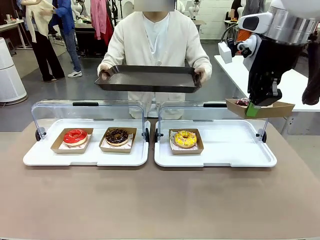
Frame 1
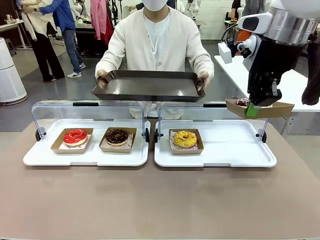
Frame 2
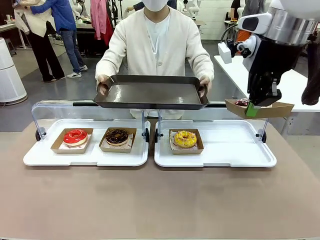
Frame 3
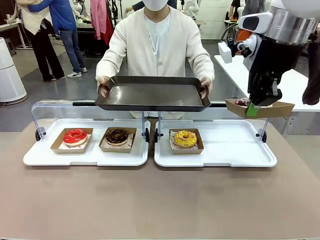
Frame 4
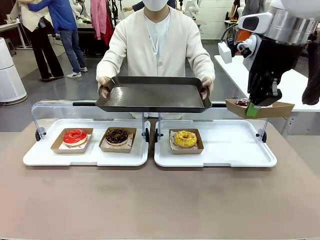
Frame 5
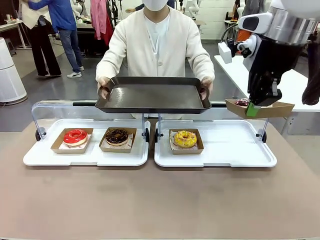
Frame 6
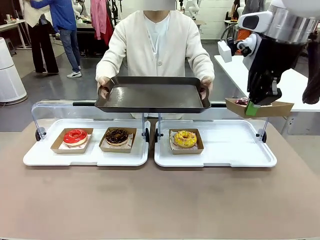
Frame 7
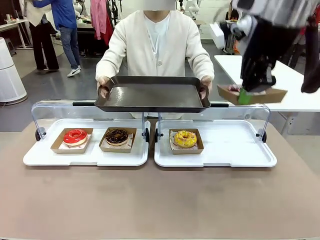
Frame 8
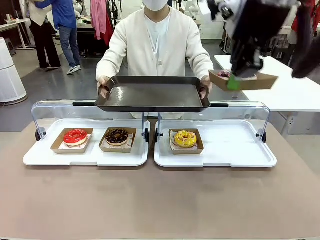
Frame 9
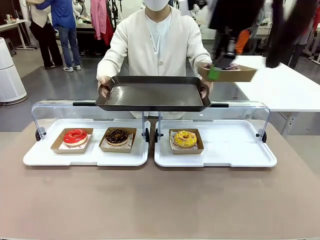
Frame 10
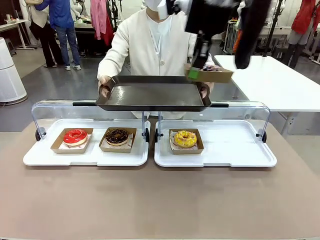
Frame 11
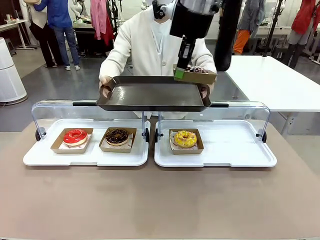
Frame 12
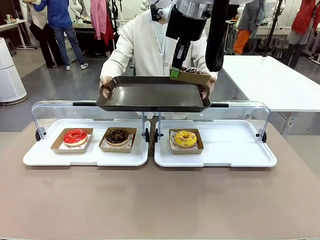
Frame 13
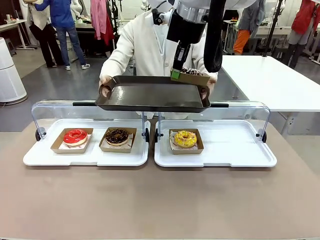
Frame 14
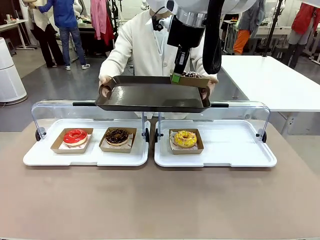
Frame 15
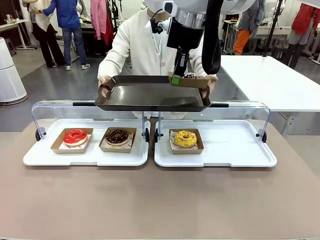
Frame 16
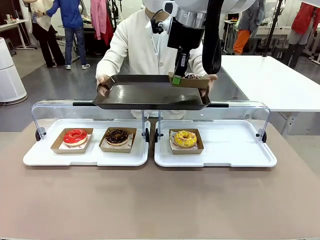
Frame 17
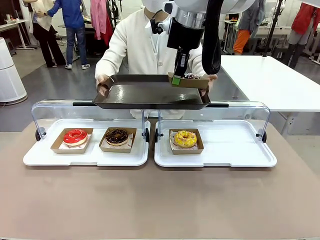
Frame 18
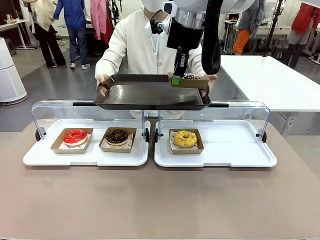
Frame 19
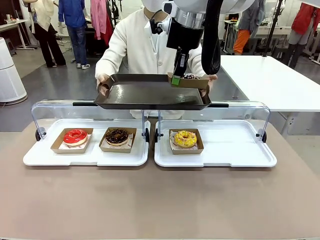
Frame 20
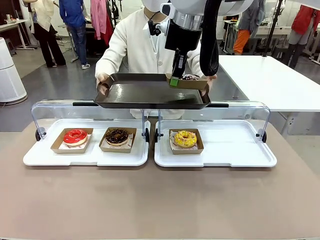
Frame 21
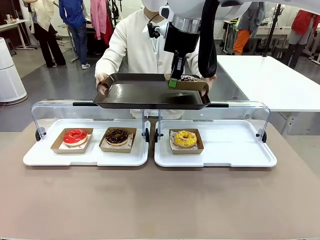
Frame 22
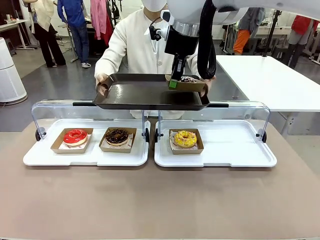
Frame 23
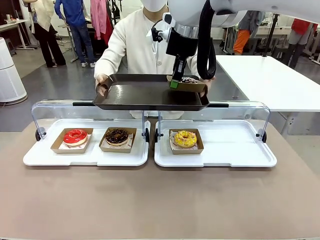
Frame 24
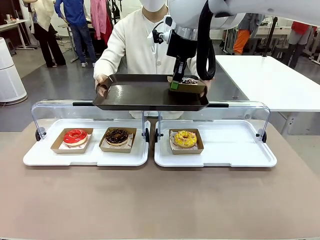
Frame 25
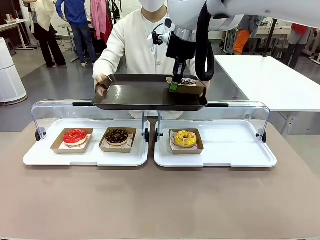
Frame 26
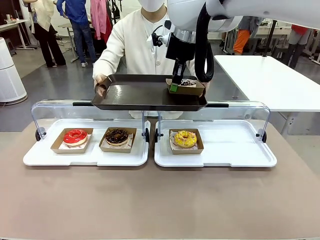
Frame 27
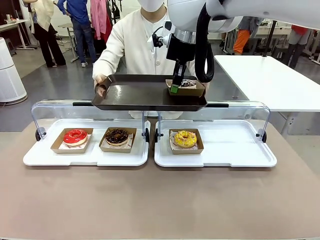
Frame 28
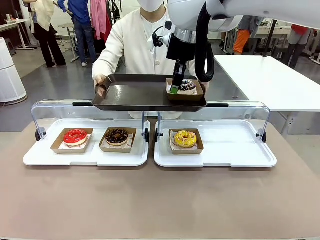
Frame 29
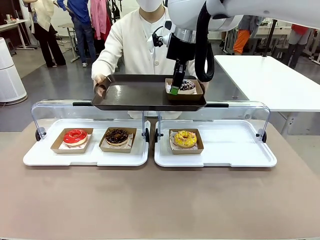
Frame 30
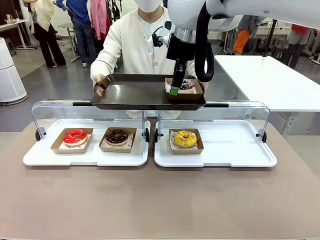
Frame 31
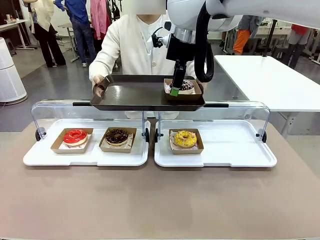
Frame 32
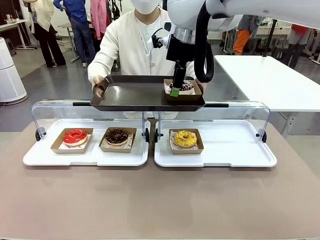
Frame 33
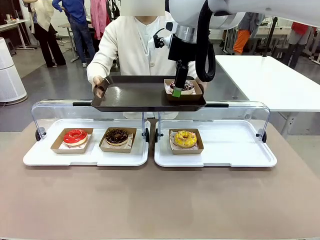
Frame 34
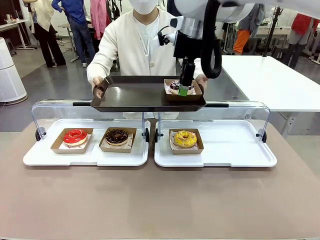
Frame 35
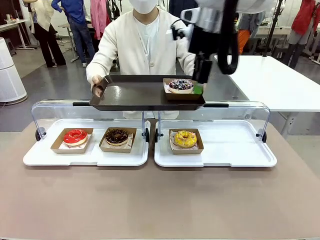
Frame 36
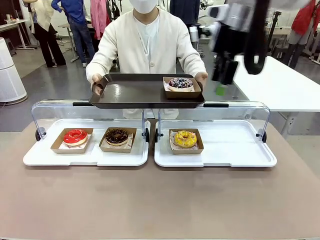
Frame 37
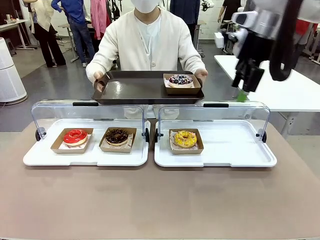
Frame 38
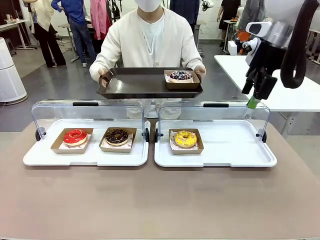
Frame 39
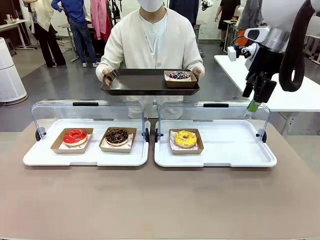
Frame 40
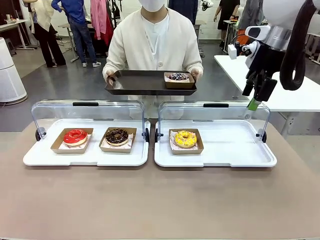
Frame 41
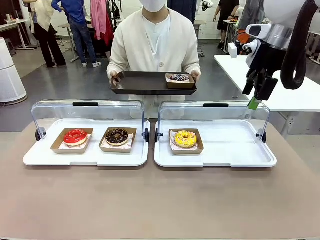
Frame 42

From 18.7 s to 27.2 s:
Task: Provide the desired donut to the person.
Robot: Place the picked Paper togo box onto the Handle tray extended by the person.

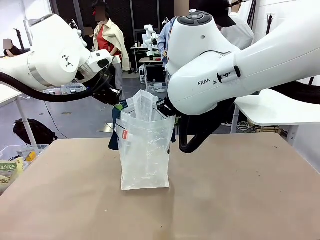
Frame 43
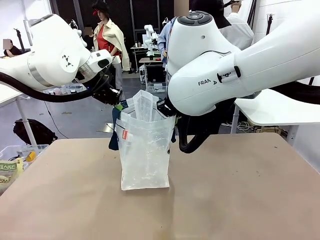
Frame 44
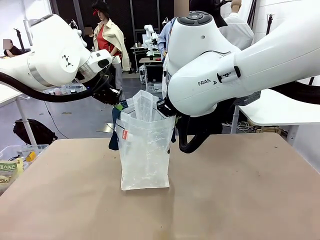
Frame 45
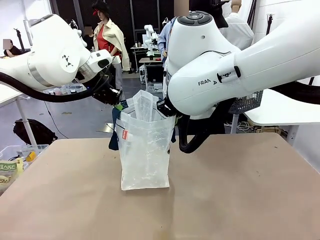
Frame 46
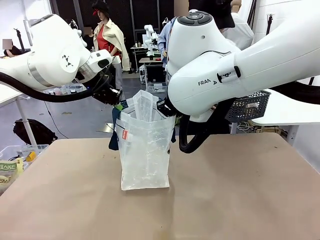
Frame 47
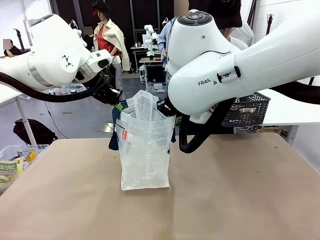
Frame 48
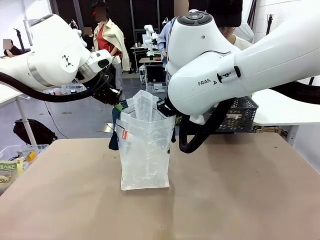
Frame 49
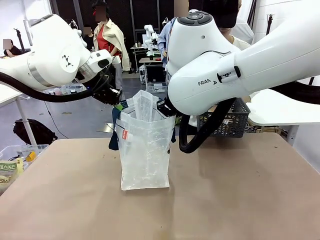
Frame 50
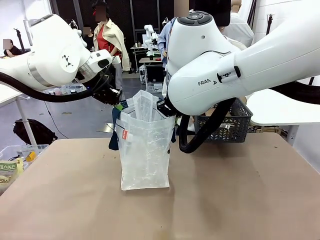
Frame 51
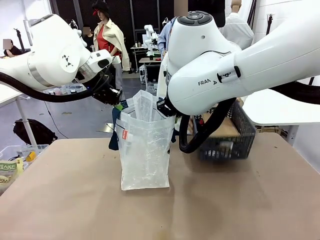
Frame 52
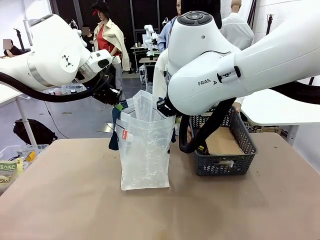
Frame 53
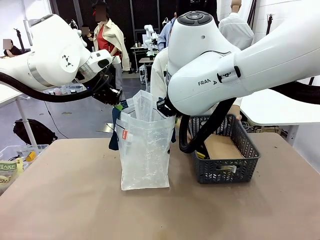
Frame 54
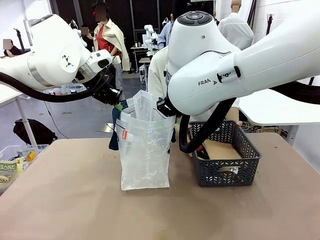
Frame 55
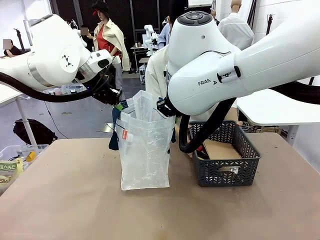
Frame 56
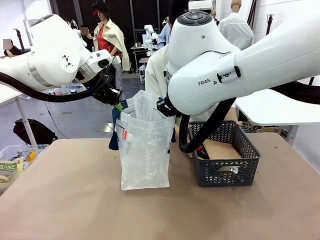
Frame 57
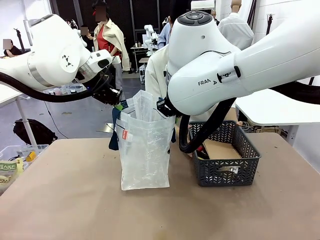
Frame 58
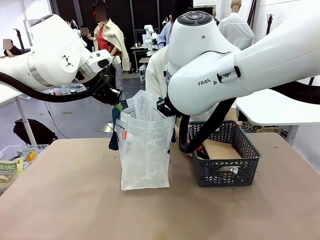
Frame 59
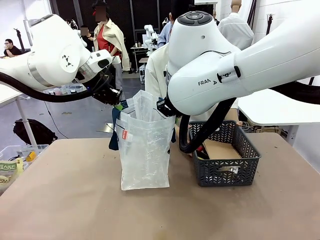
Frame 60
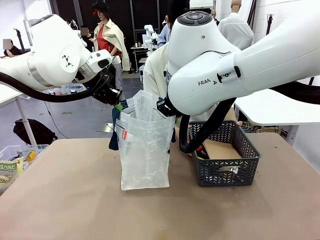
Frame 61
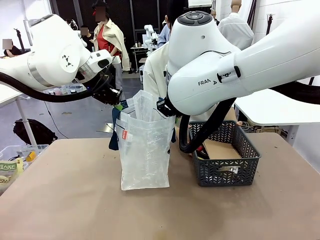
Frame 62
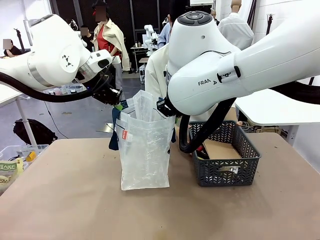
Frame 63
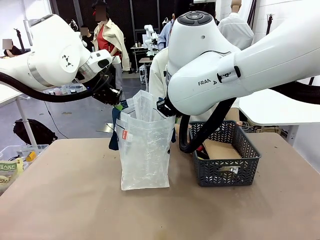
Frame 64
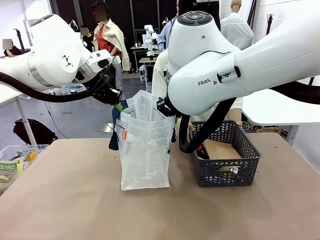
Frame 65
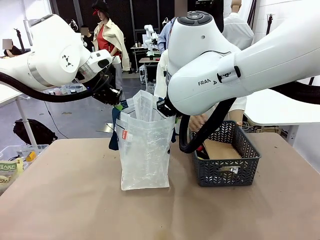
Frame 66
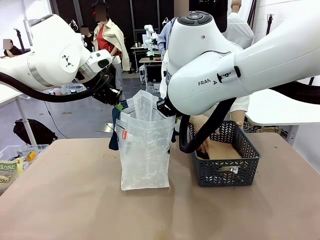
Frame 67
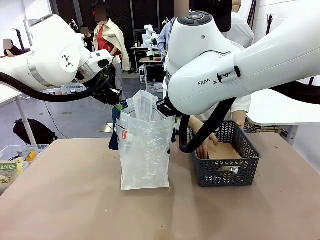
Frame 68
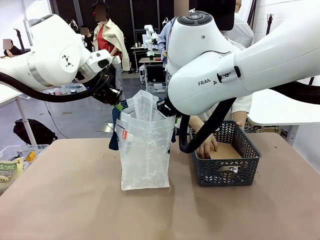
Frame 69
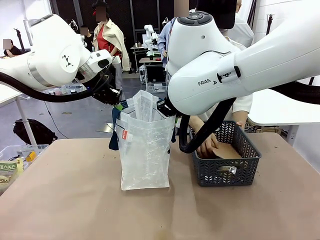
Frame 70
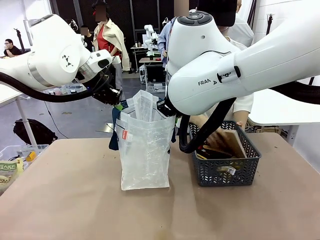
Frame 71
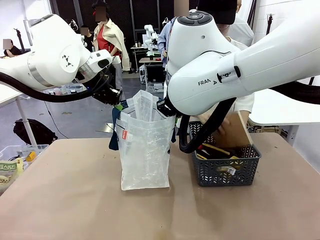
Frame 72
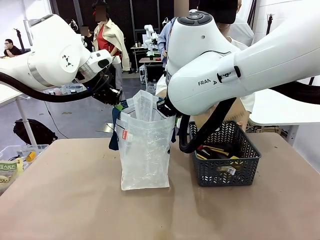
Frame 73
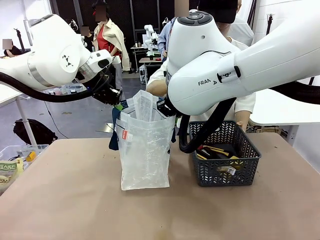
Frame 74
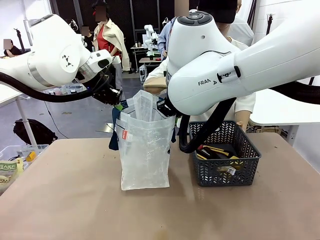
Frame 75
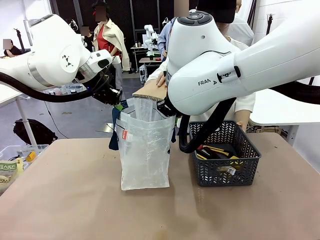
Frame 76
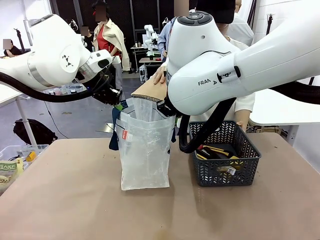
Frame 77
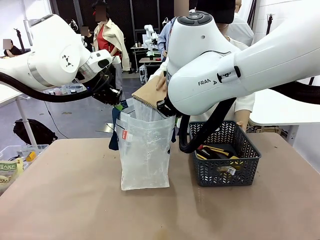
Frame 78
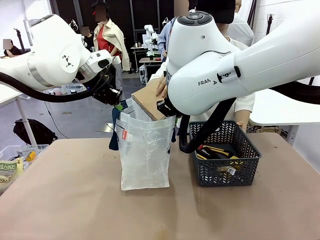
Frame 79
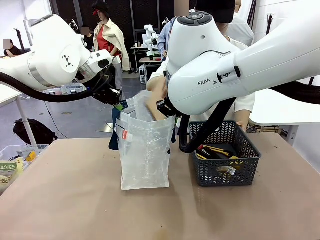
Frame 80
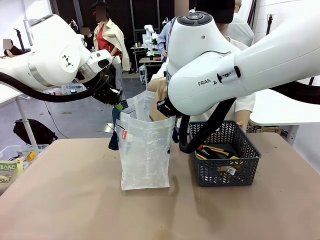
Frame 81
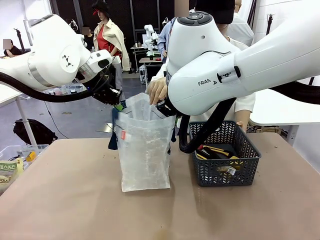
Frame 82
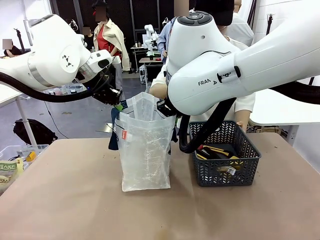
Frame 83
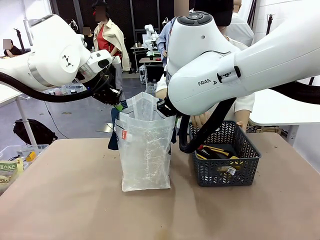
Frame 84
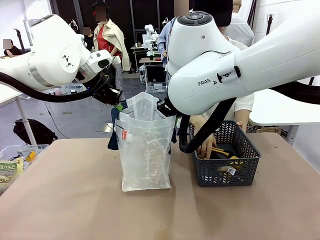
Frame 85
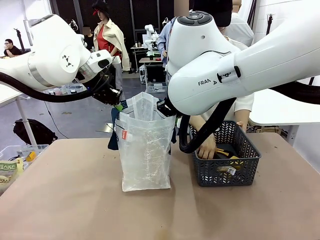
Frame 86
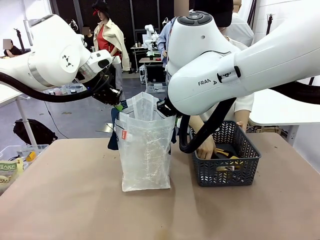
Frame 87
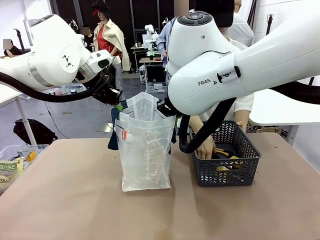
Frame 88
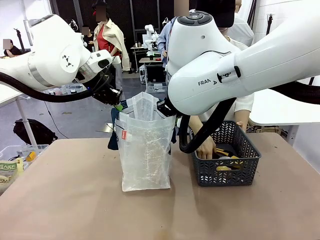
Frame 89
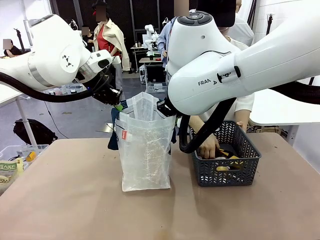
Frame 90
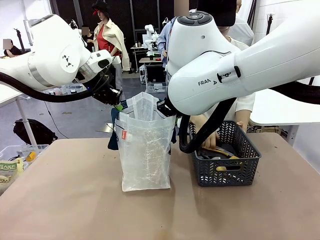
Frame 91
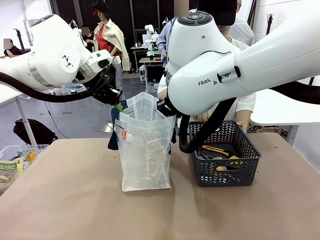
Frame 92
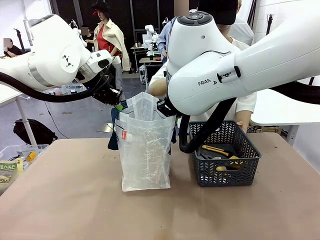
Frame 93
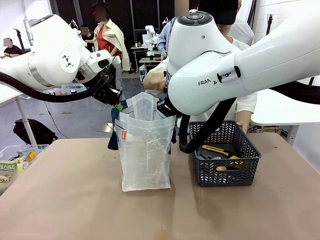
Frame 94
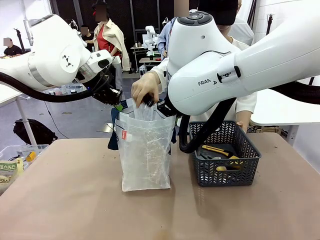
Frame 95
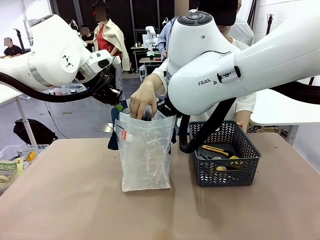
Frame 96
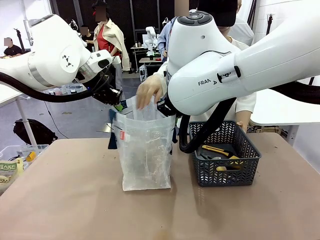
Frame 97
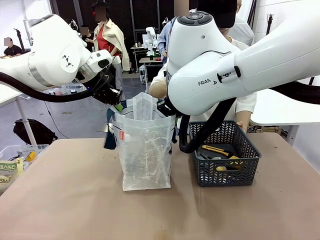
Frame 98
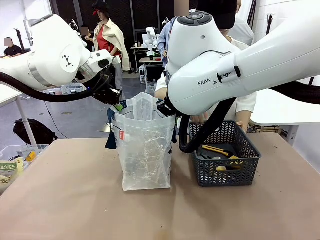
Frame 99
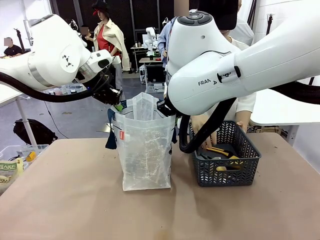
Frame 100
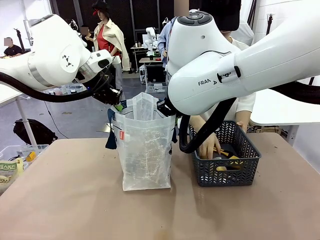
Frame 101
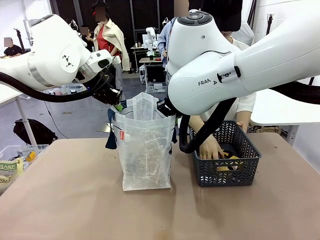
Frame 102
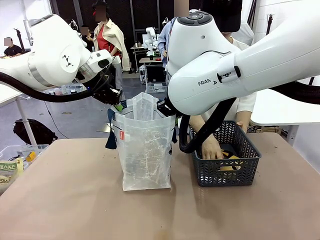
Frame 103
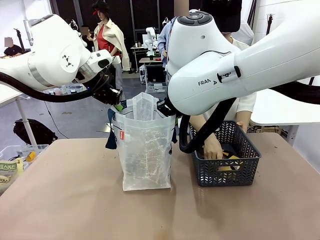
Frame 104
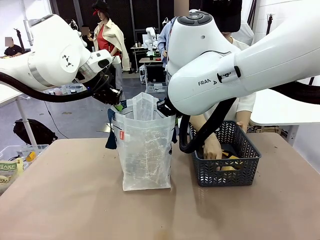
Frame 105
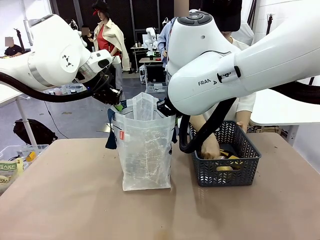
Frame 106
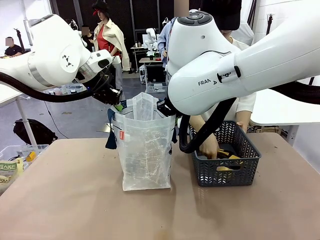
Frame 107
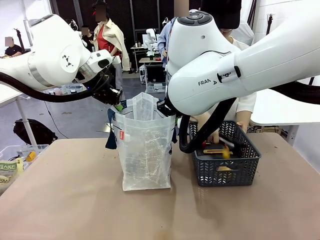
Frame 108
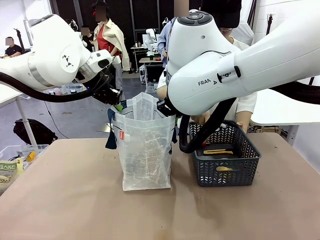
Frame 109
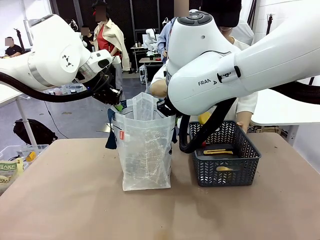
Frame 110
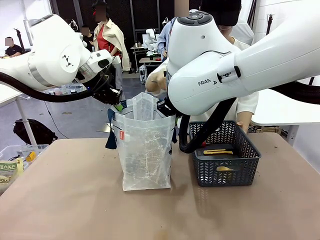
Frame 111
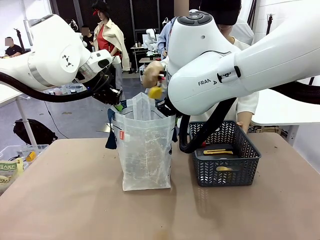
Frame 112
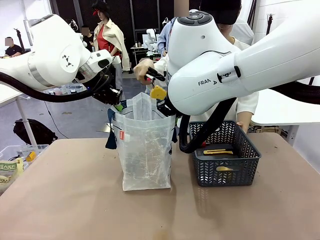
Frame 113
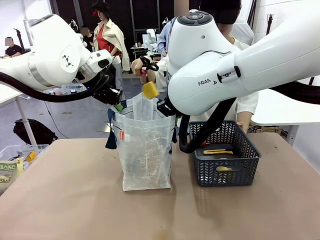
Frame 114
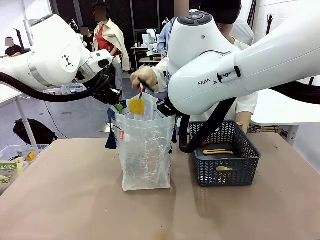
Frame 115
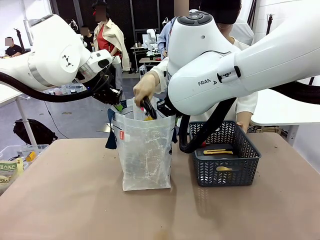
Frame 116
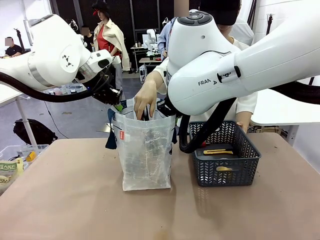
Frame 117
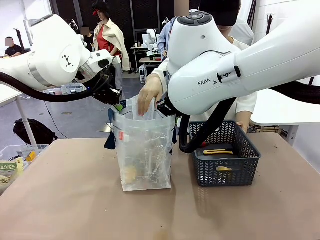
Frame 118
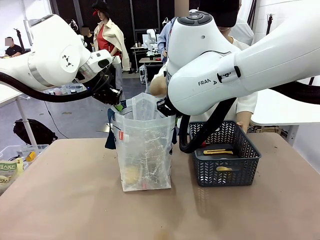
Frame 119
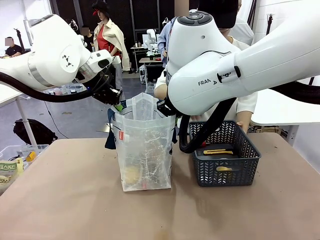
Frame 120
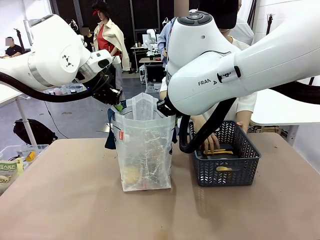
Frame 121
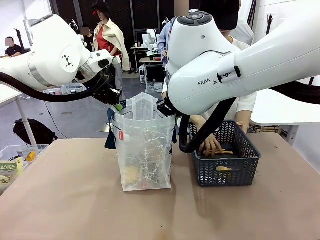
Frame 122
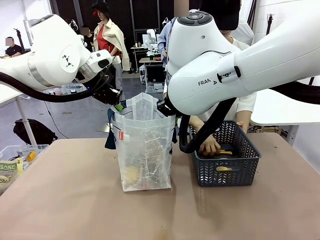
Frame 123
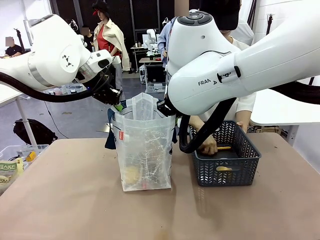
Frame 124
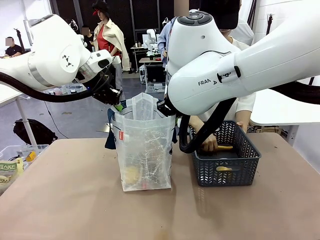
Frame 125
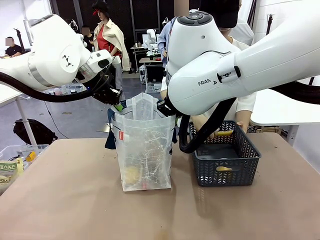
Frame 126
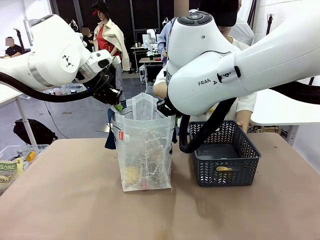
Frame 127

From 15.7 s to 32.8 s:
Task: Transfer purchased items from the store into the shopping bag.
Robot: Move the Reusable shopping bag to the right side of the table.
Person: Pick up the basket with the items out and place it on the right side of the human table.
